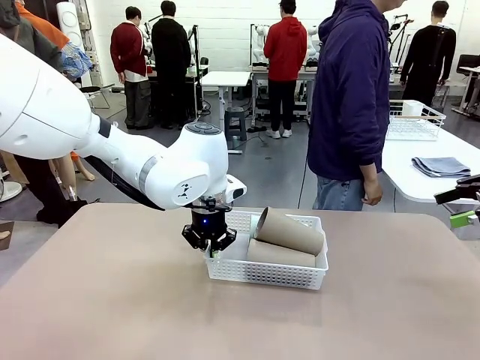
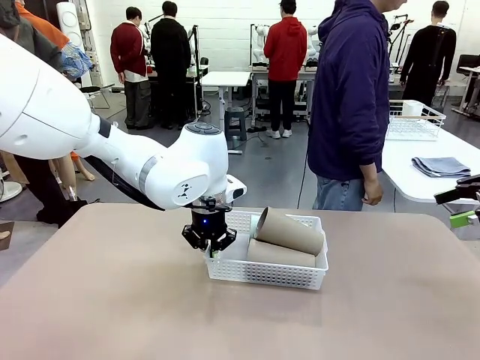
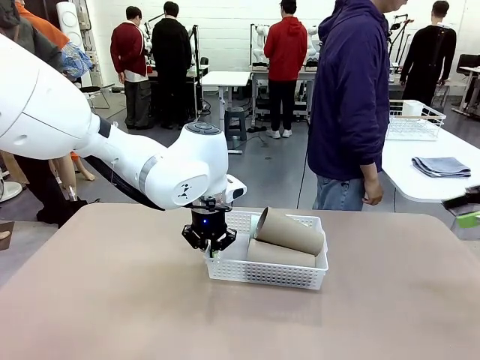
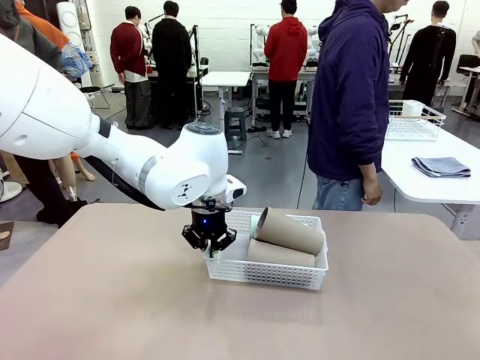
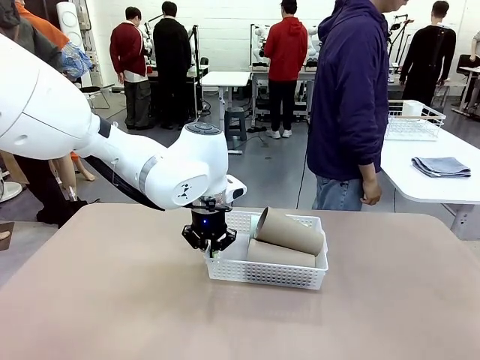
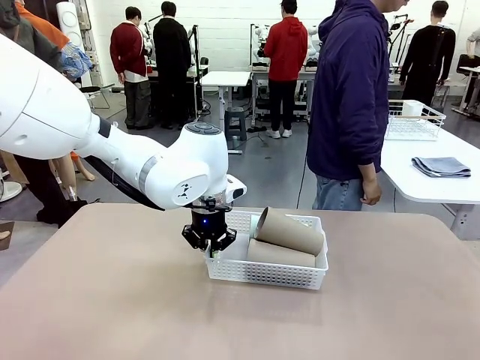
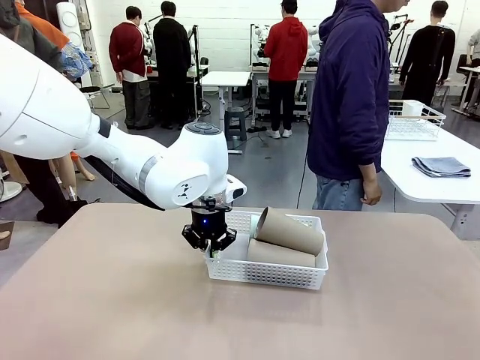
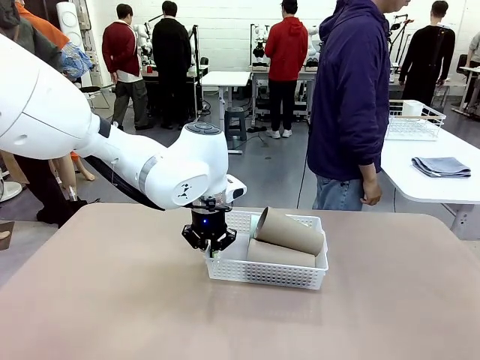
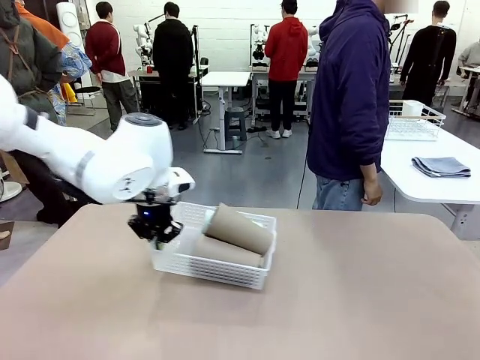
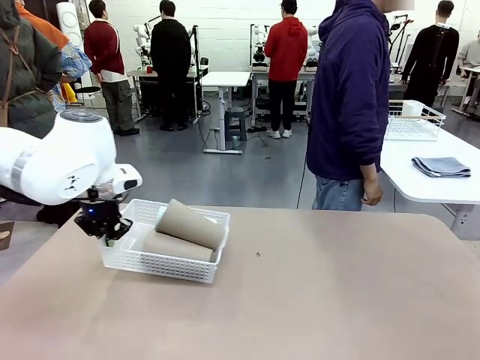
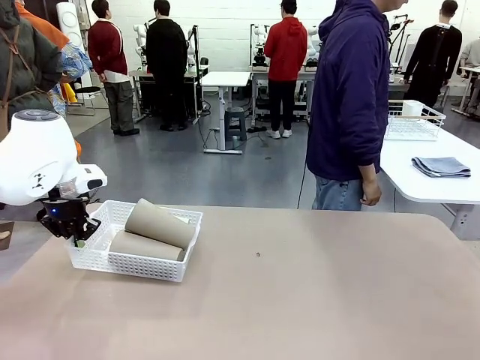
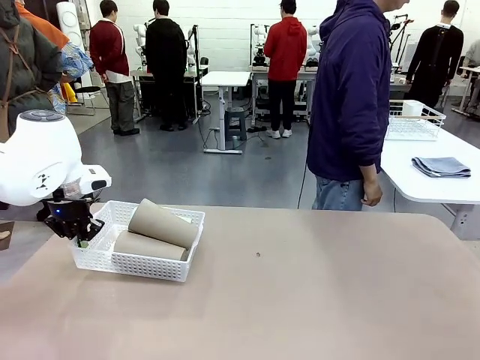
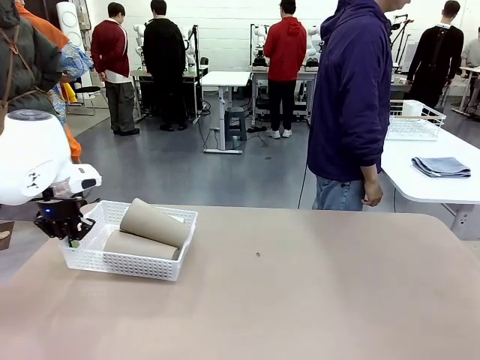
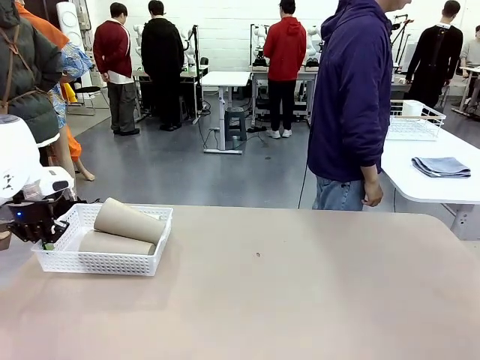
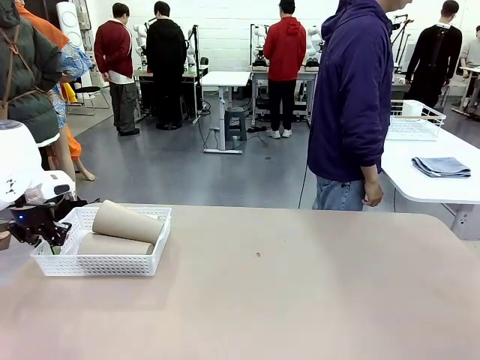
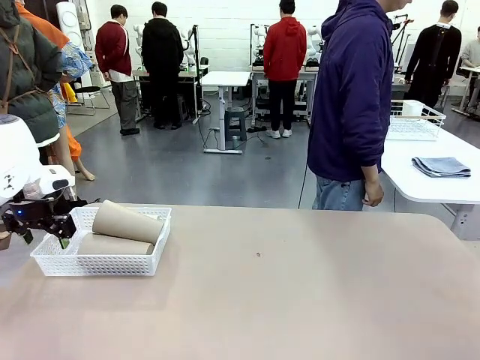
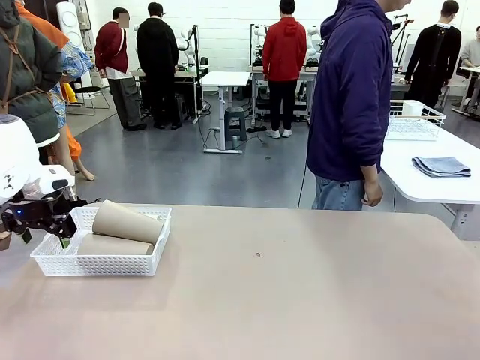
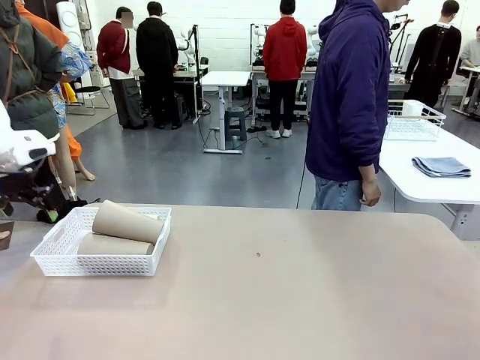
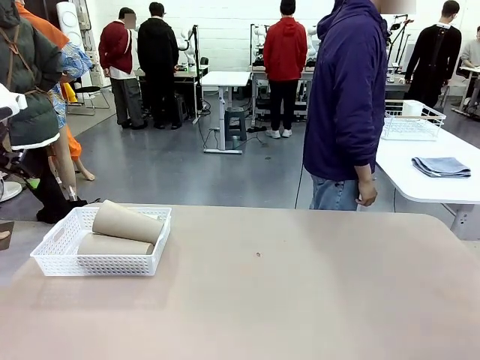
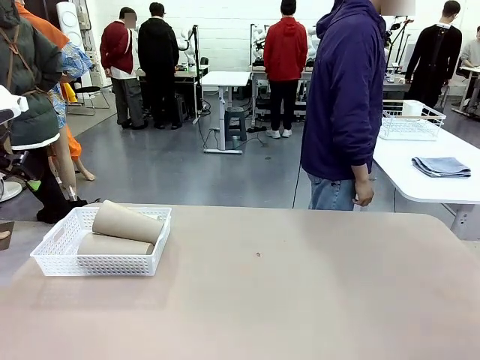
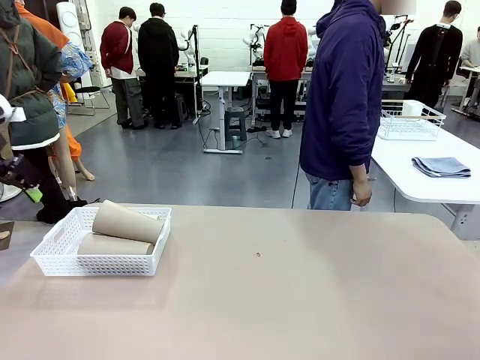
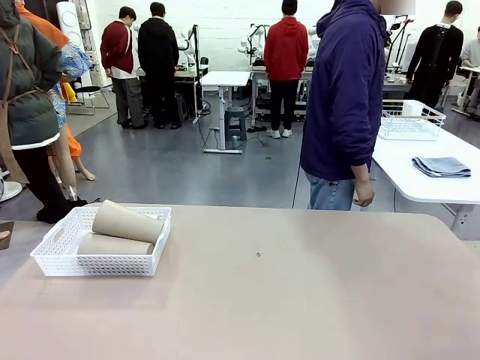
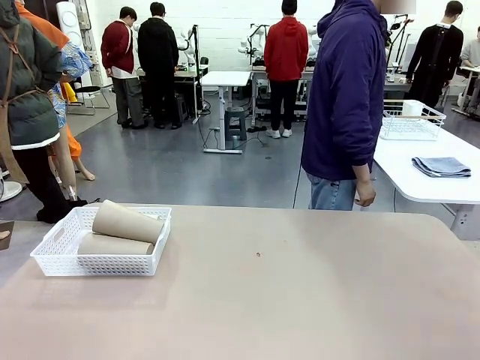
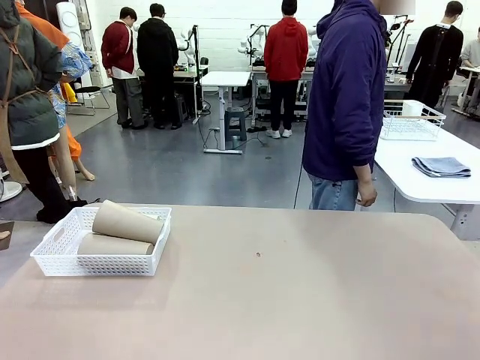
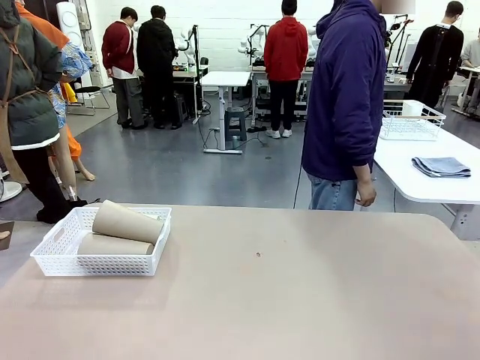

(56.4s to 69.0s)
Task: Clean and organize the cups into the basket.
Robot: Move the Organizing basket back to the left side of the table.
Person: Folds the towel in half twice and places it in the right of the table.

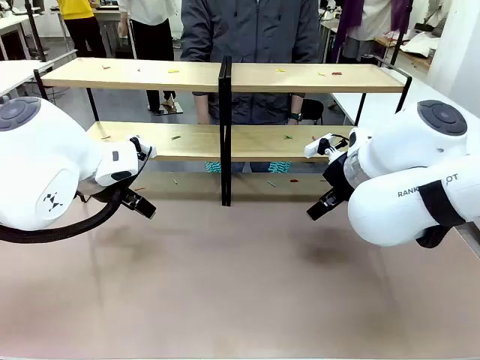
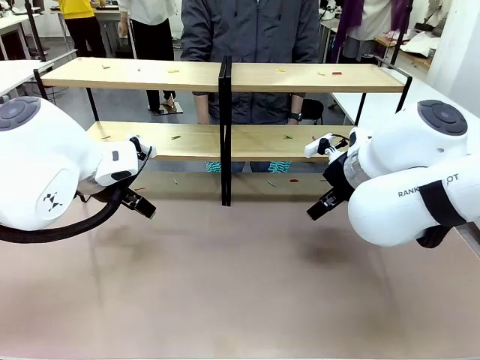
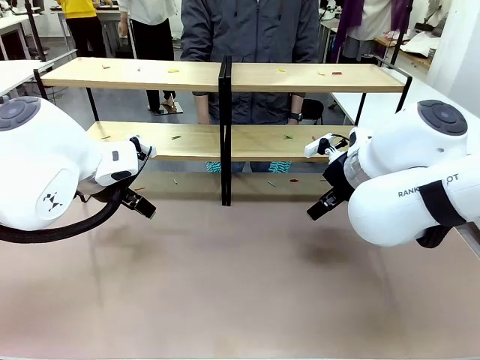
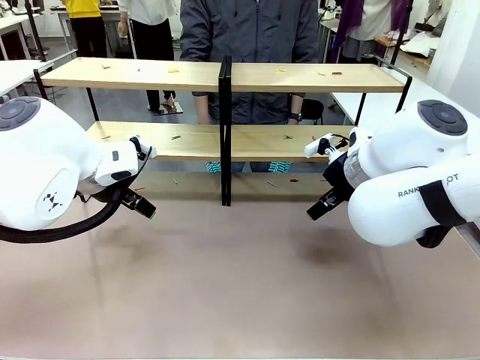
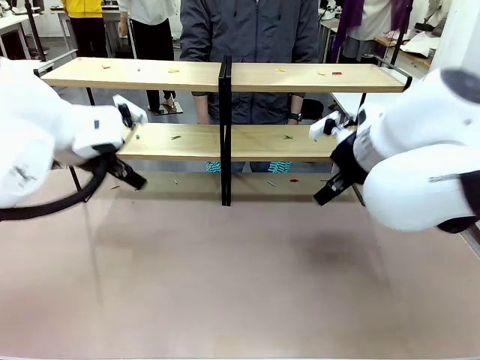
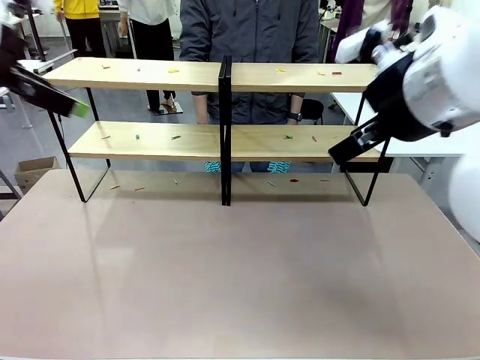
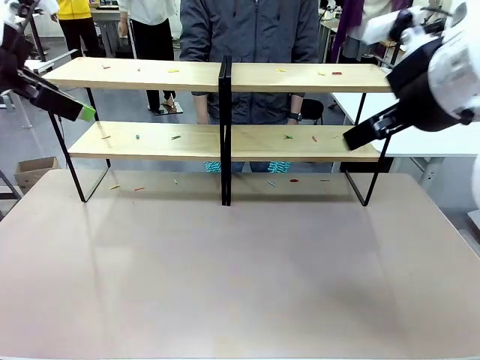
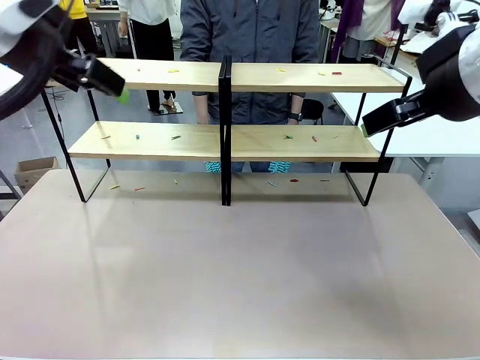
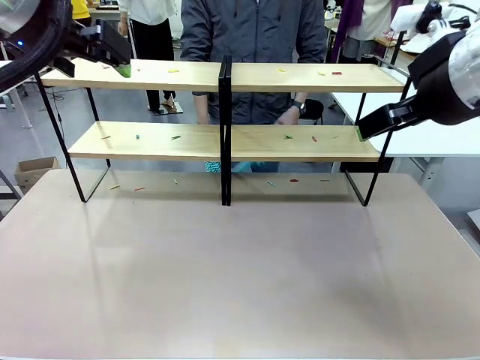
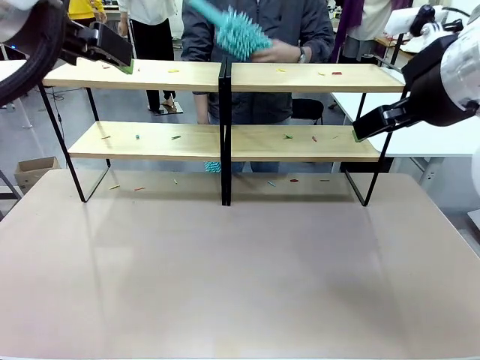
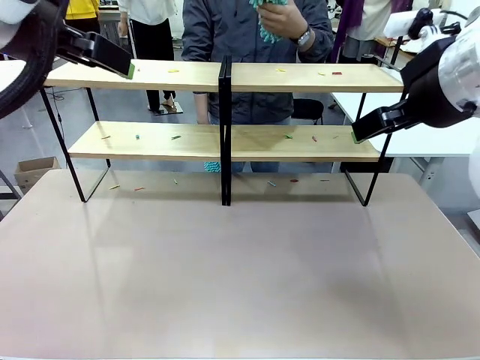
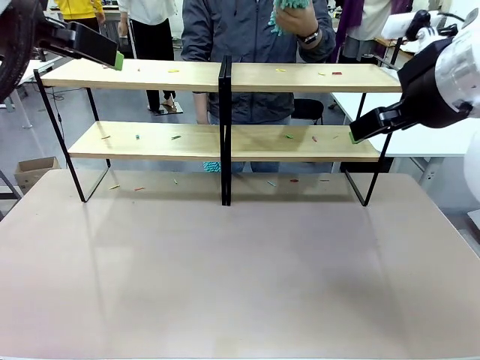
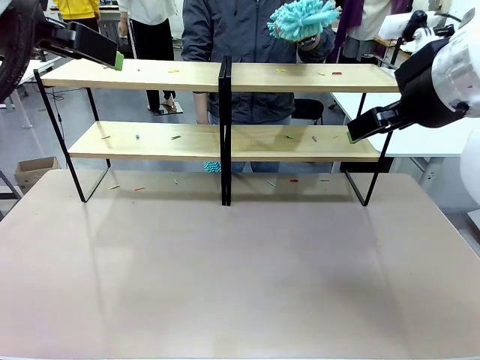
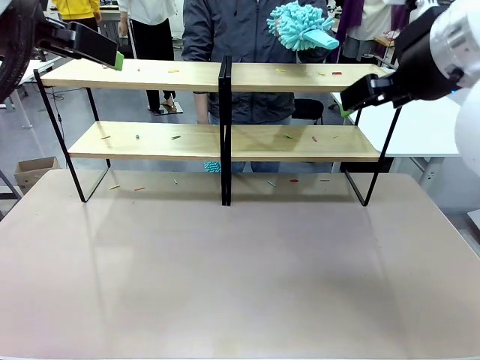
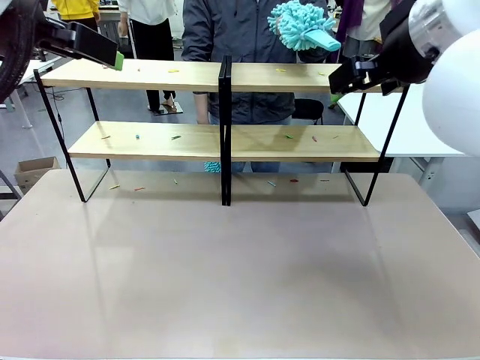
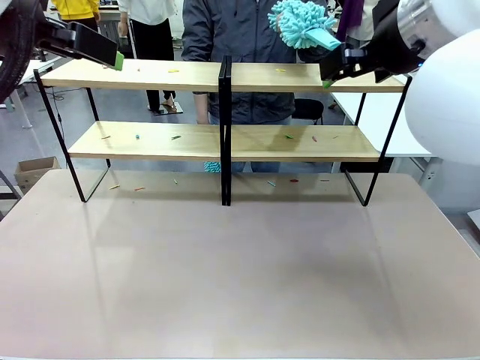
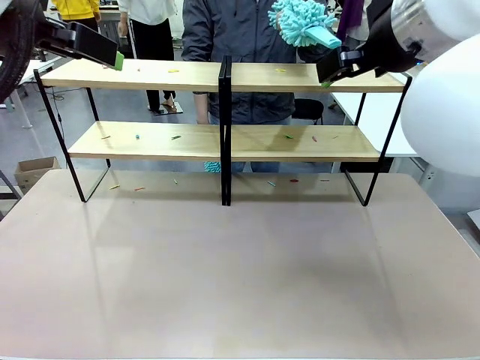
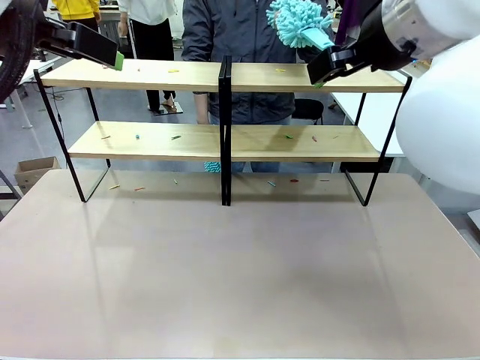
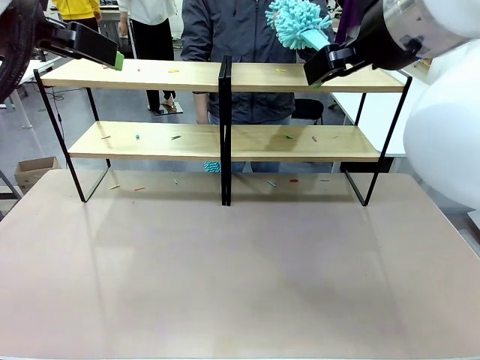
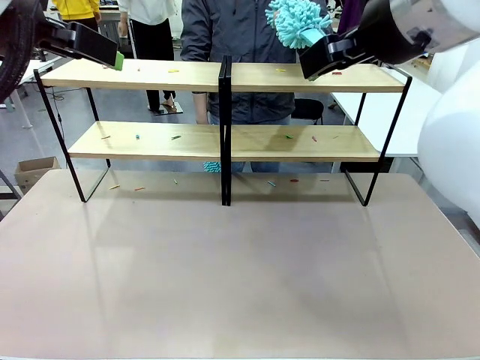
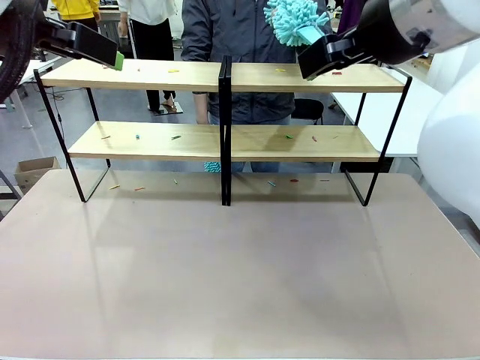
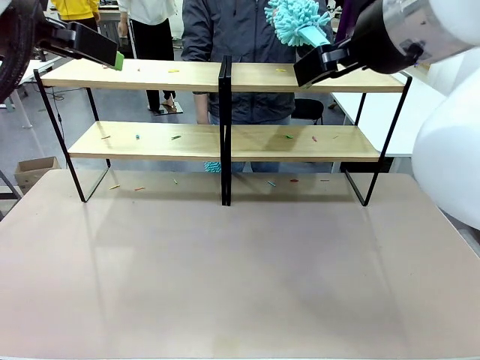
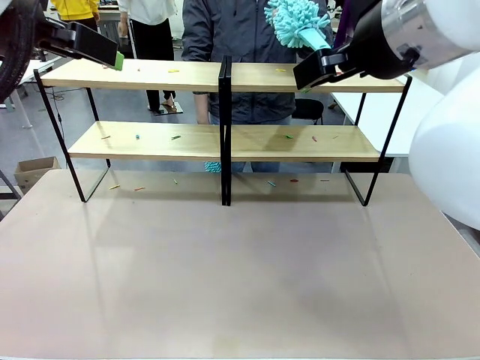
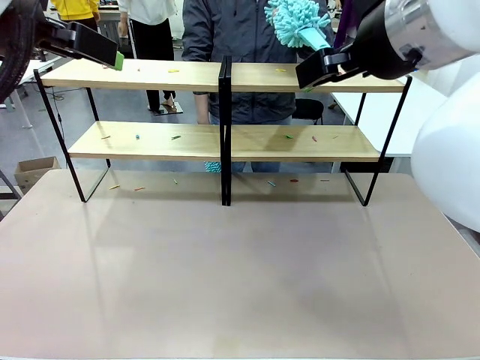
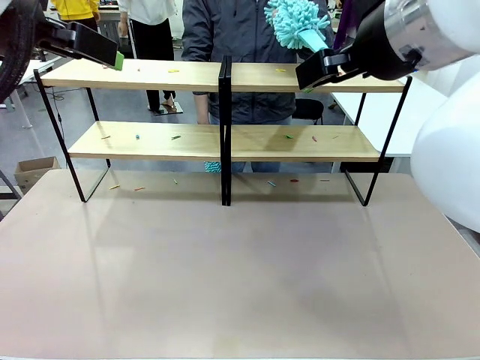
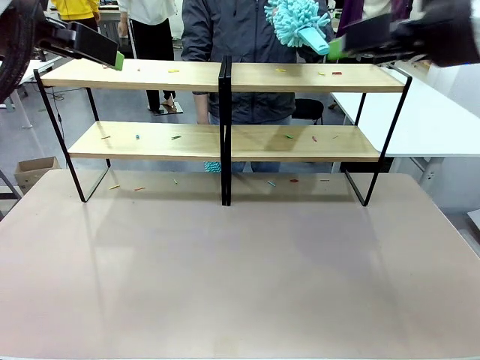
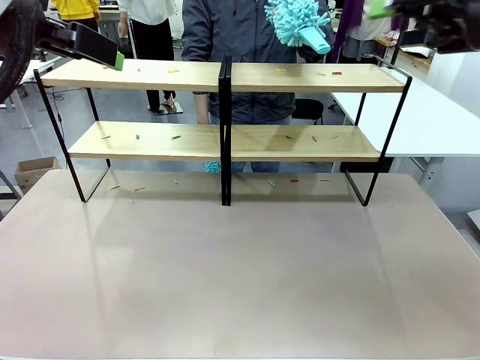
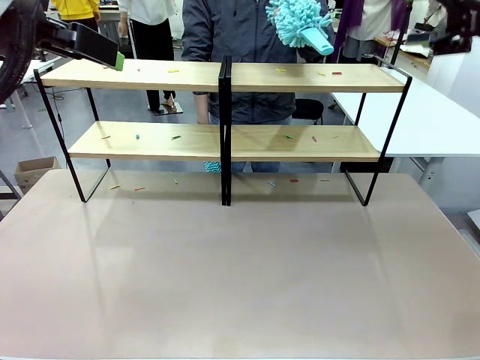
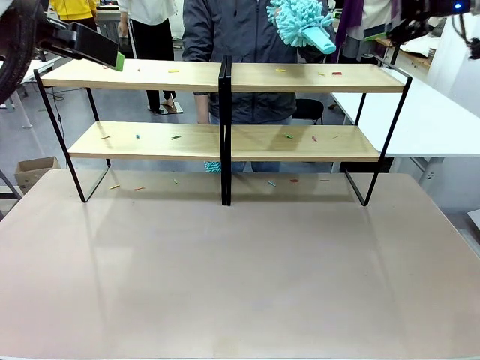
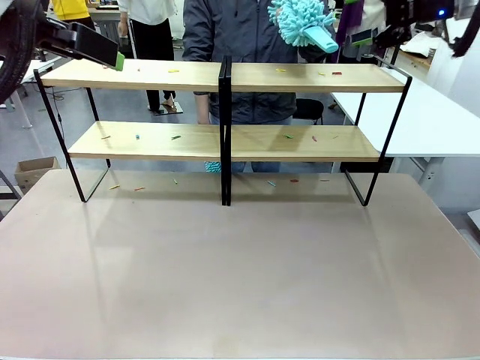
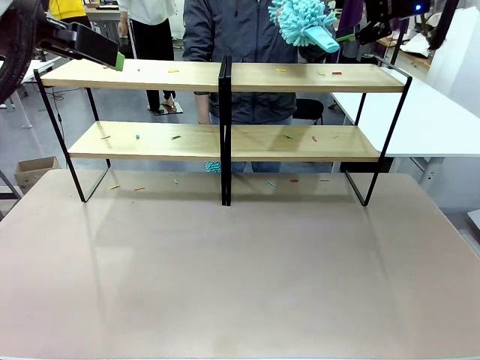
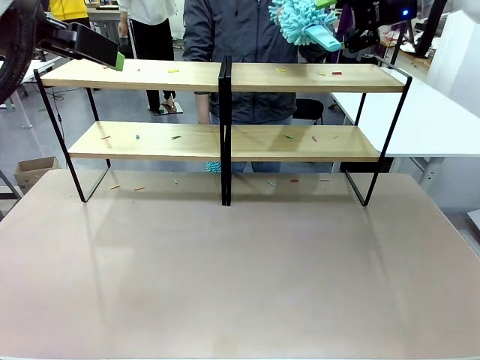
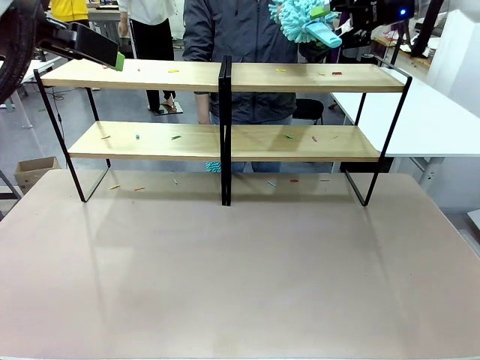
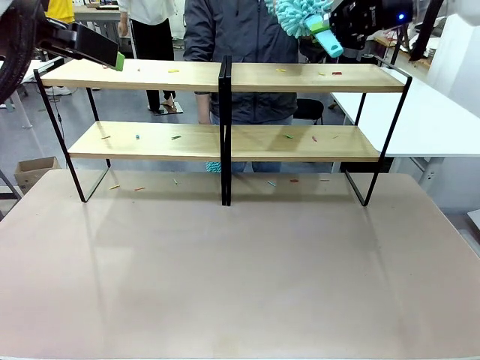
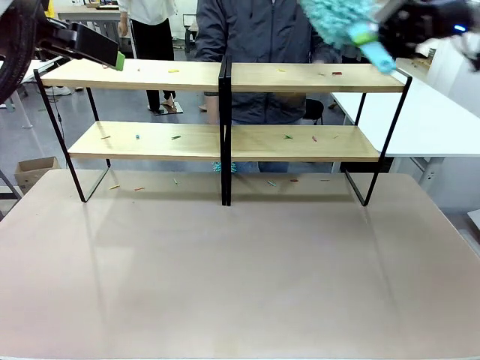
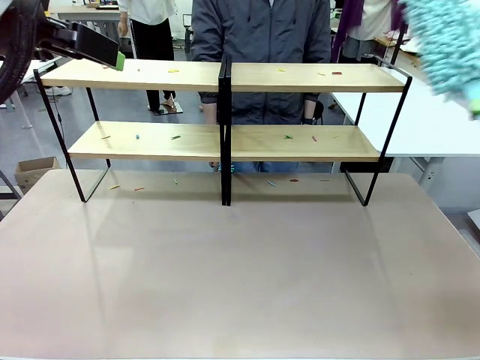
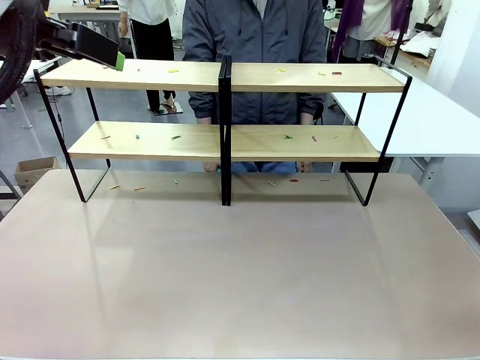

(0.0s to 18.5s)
Task: Clean the shelves.
Robot: Pick up the Duster when the human hands it over.
Person: Hand the Duster to the robot with your right (or left) hand.
